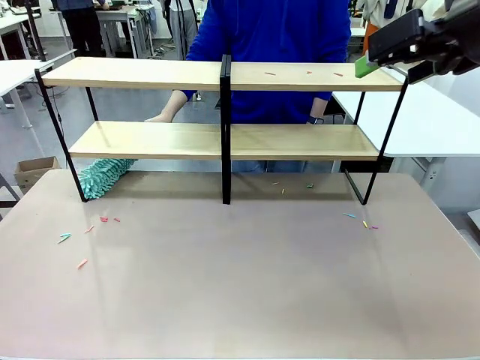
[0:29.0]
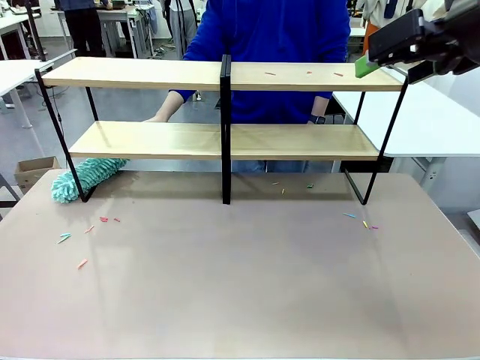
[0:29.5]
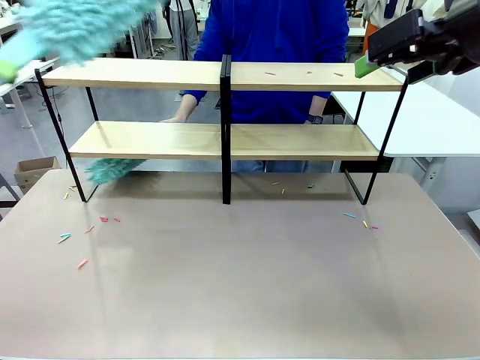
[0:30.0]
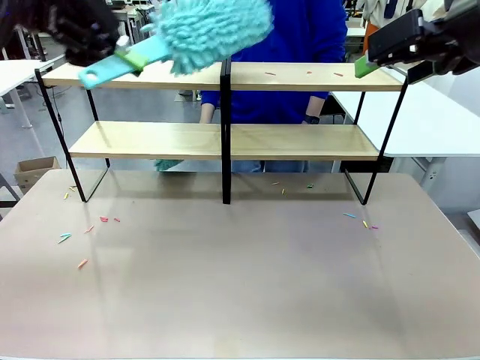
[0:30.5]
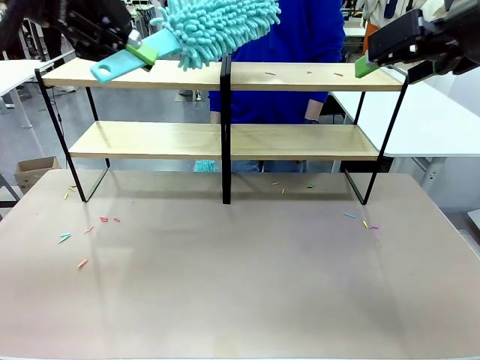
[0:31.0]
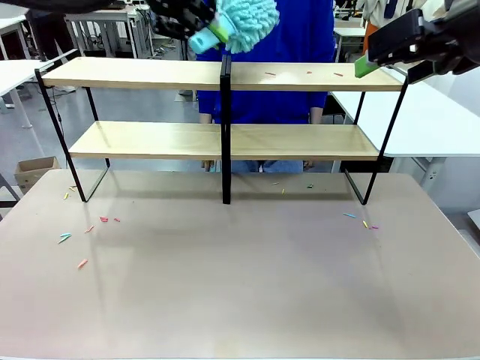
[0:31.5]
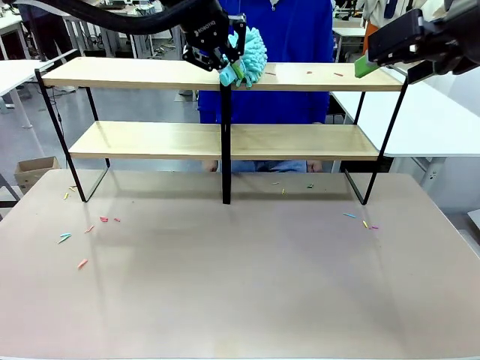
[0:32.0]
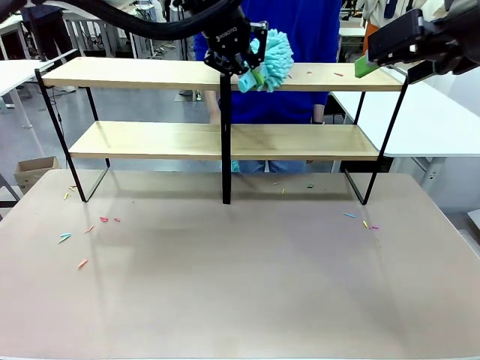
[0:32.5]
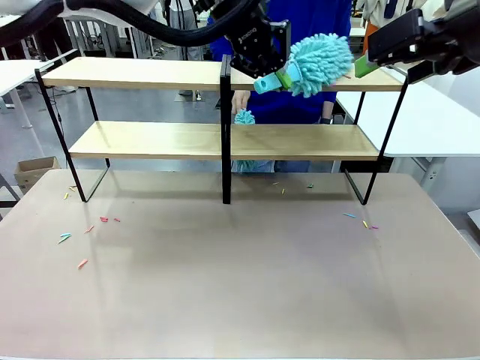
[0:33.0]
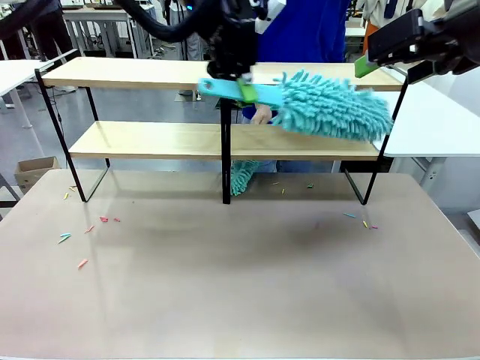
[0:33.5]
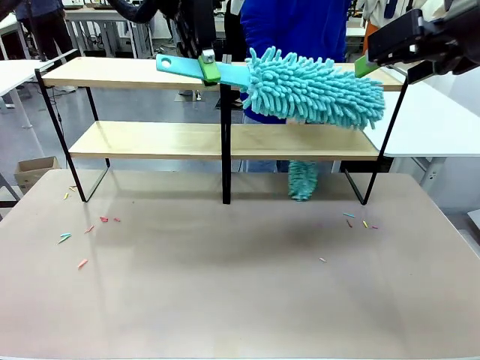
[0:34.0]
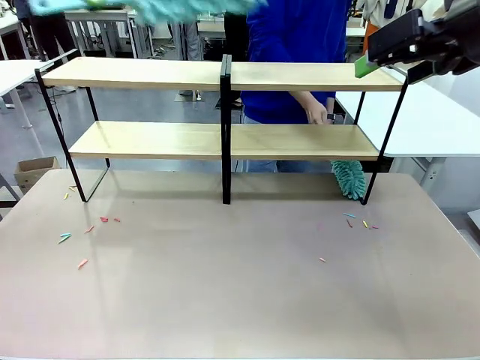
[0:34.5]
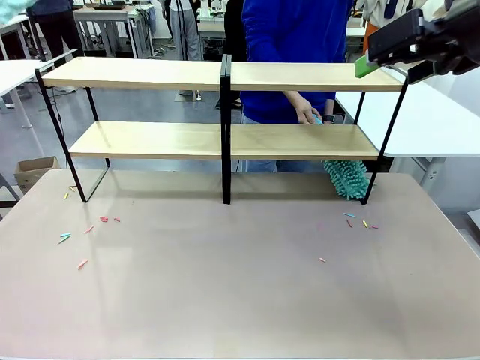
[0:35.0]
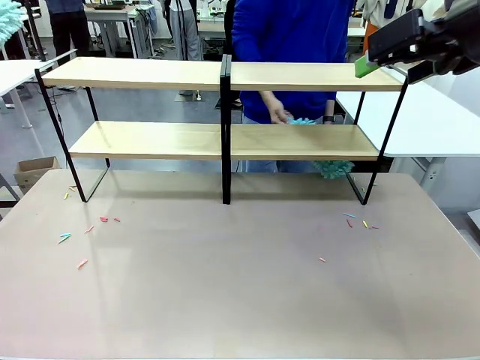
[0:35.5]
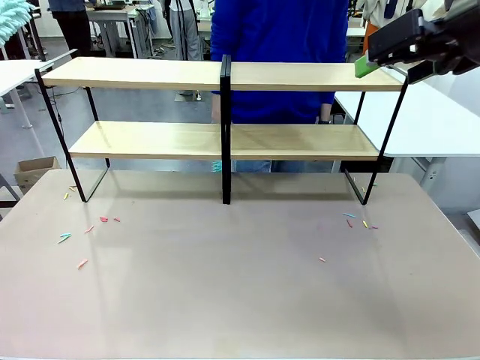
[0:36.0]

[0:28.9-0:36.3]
Task: Clean the shelves.
Robot: Clean another randomly selected level of the Shelf with the Duster.

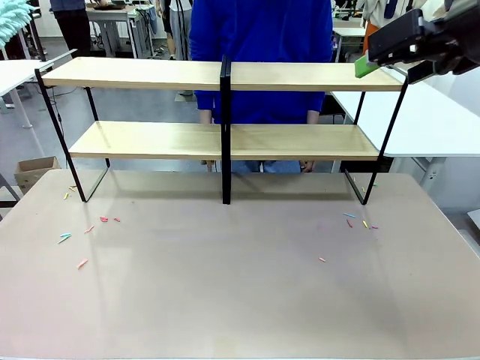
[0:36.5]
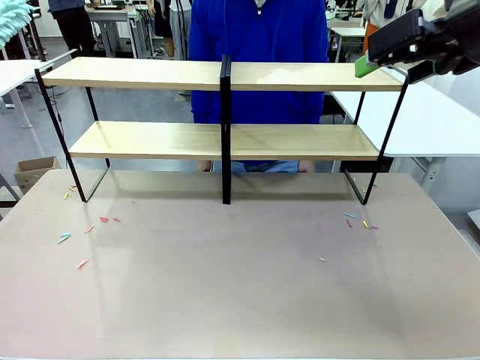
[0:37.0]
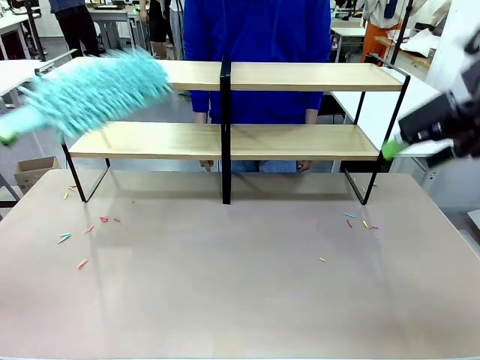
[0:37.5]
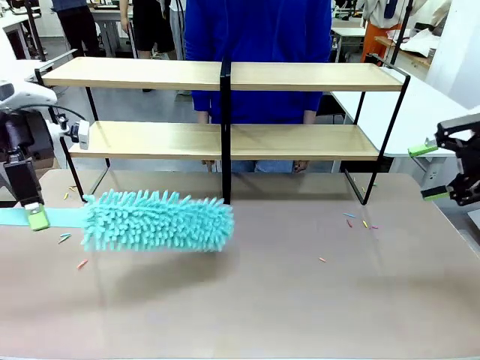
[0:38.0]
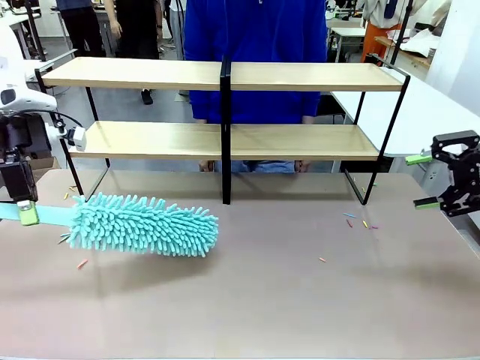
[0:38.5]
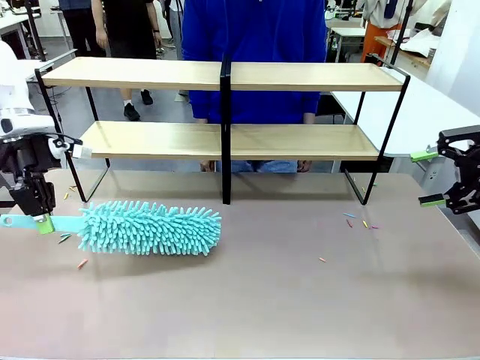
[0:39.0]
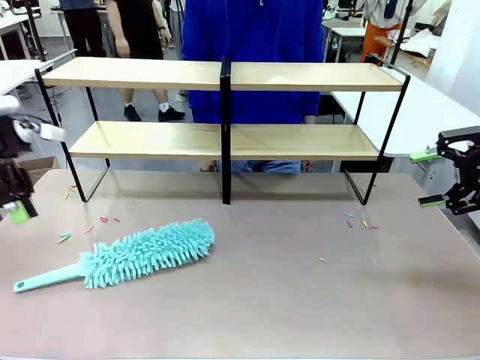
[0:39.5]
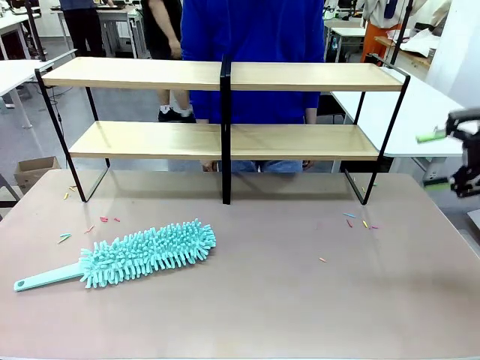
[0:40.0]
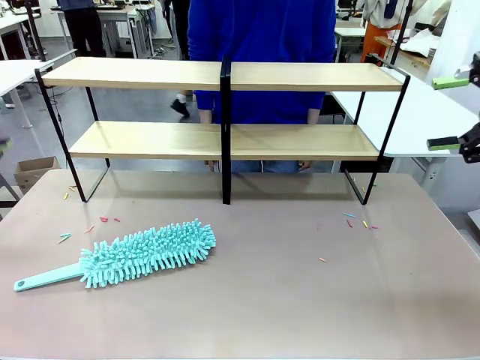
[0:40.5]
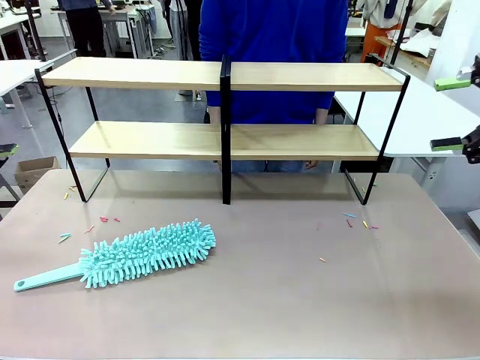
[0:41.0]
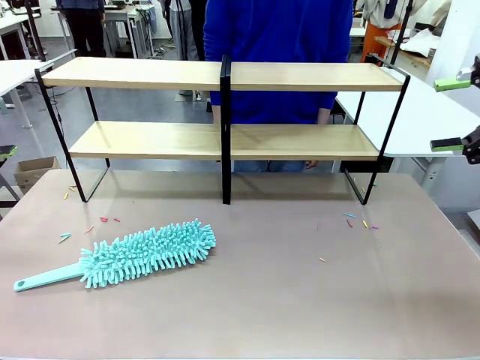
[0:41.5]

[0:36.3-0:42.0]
Robot: Place the Duster on the table.

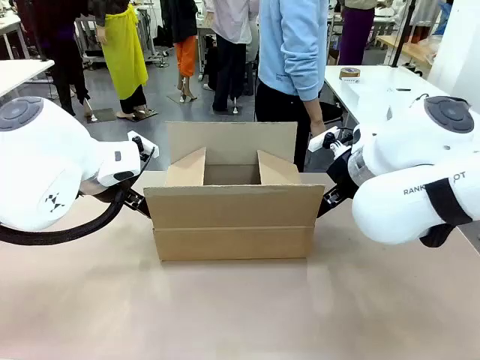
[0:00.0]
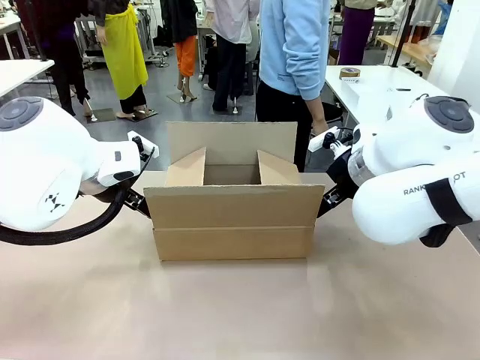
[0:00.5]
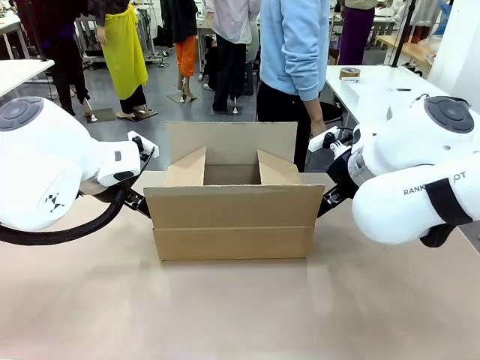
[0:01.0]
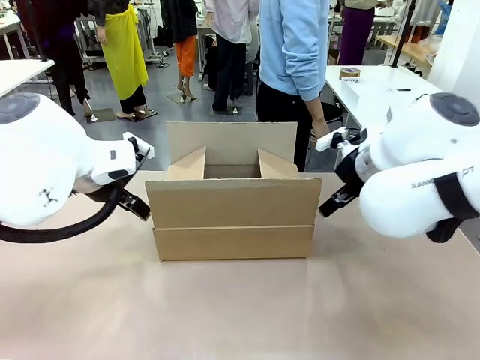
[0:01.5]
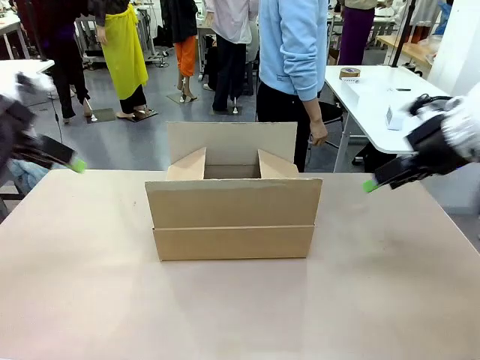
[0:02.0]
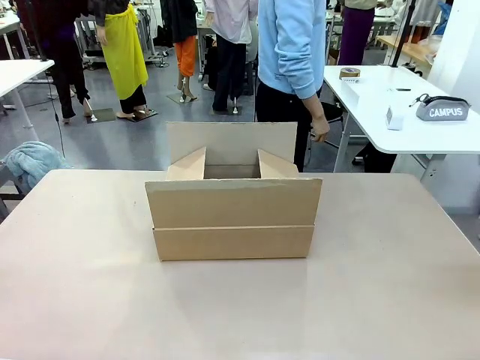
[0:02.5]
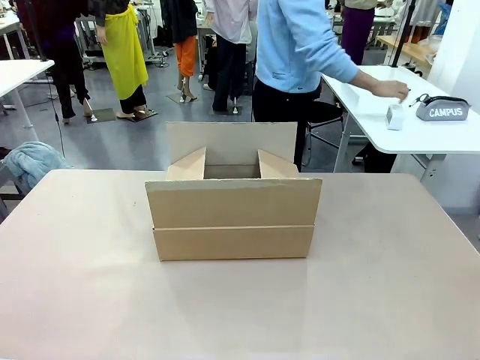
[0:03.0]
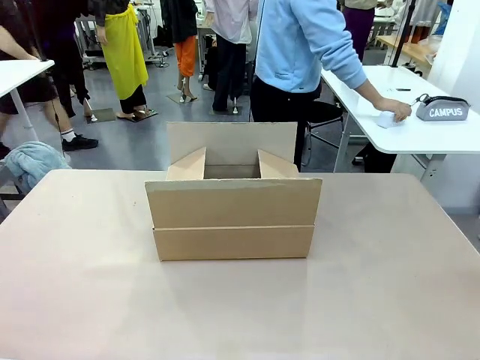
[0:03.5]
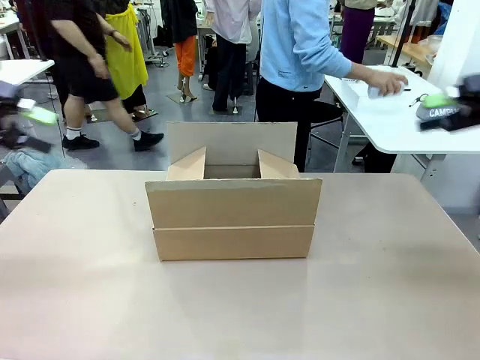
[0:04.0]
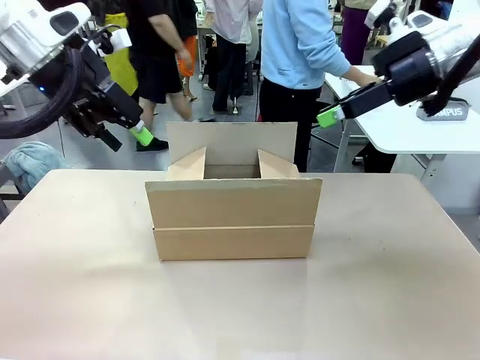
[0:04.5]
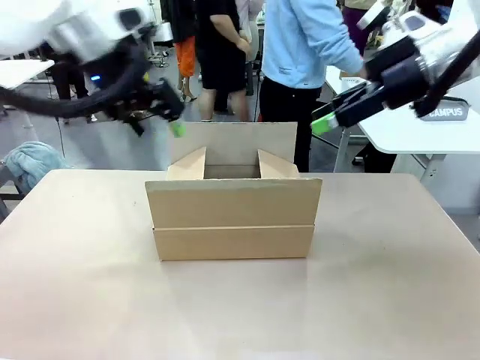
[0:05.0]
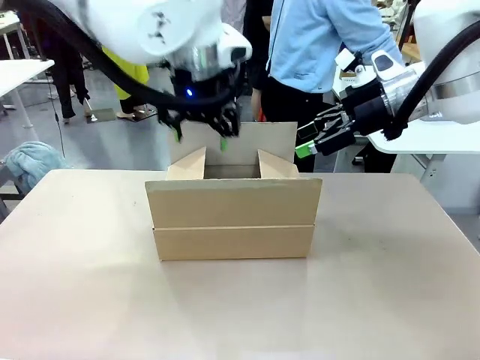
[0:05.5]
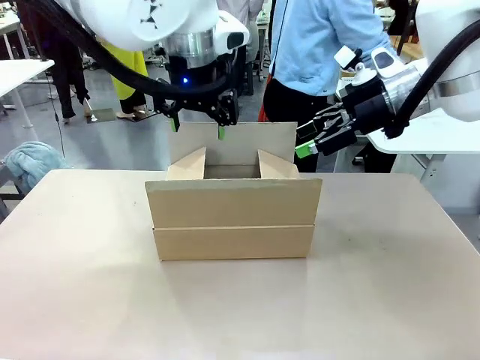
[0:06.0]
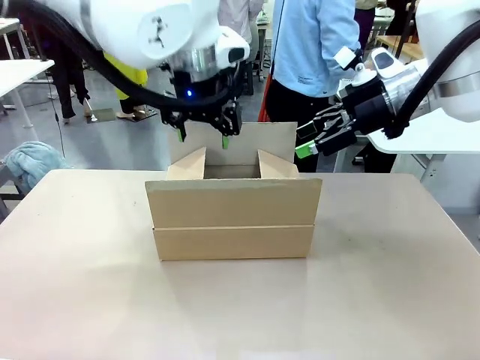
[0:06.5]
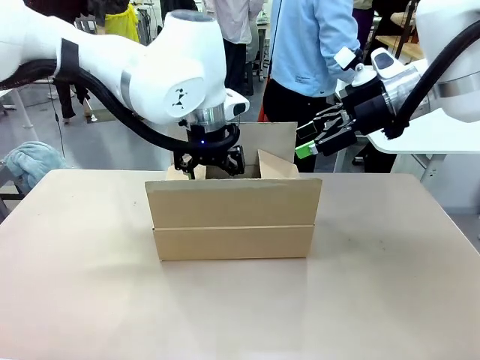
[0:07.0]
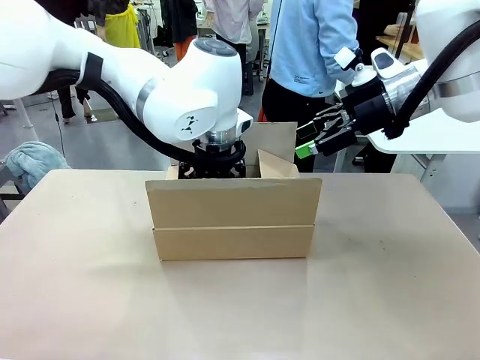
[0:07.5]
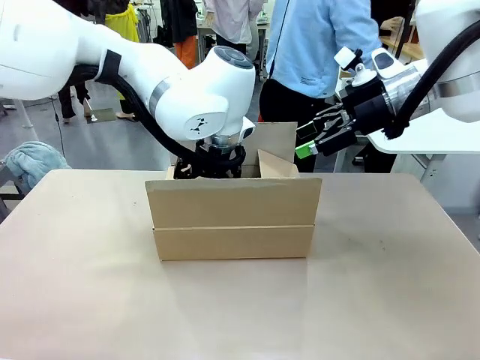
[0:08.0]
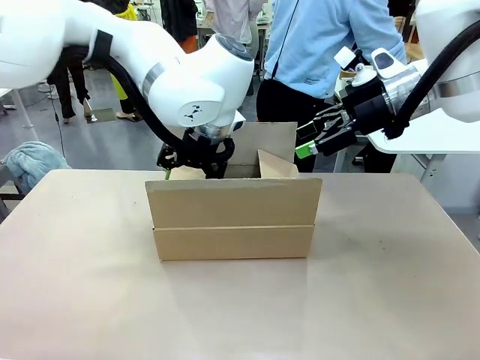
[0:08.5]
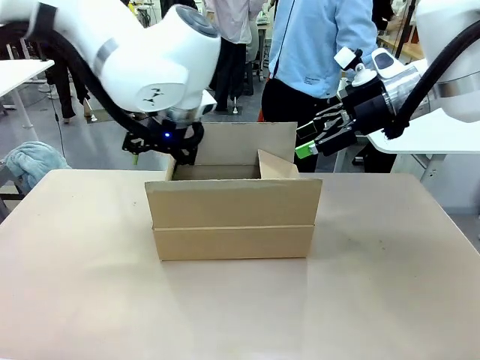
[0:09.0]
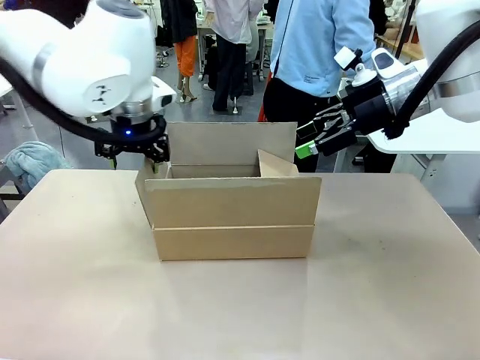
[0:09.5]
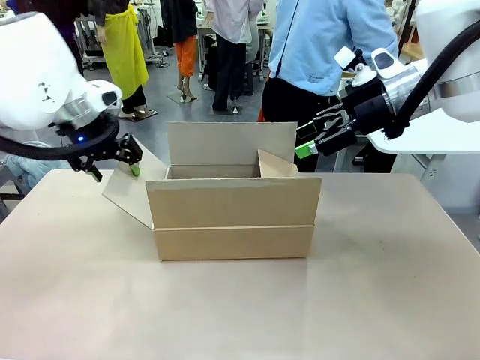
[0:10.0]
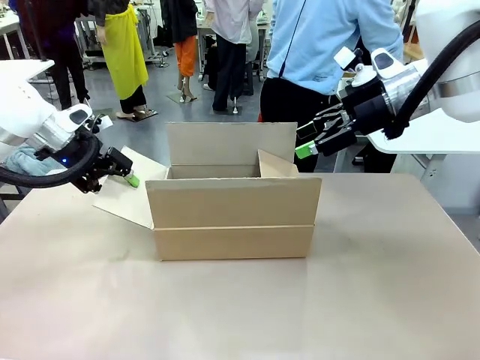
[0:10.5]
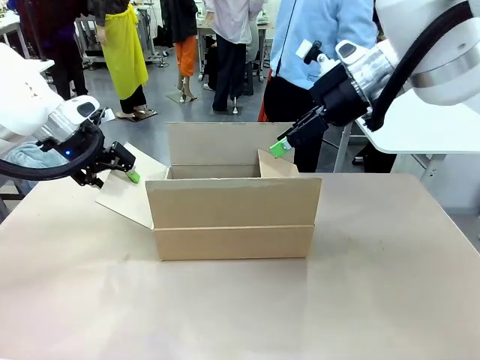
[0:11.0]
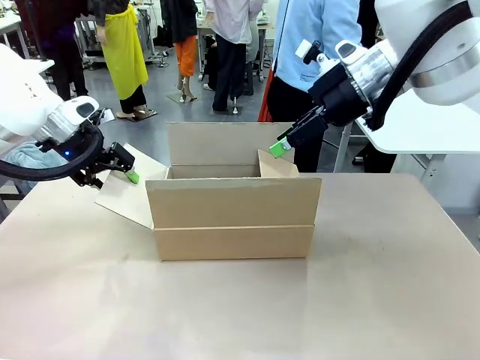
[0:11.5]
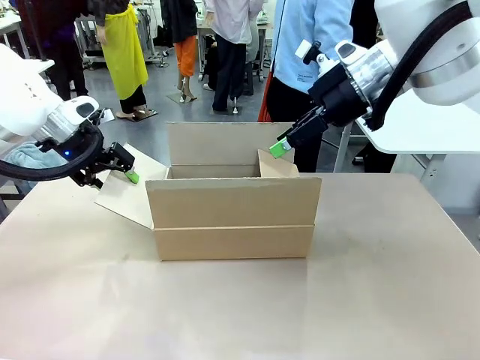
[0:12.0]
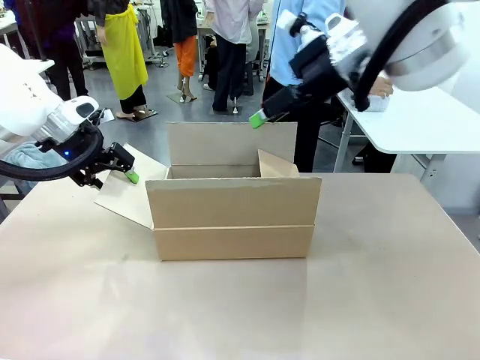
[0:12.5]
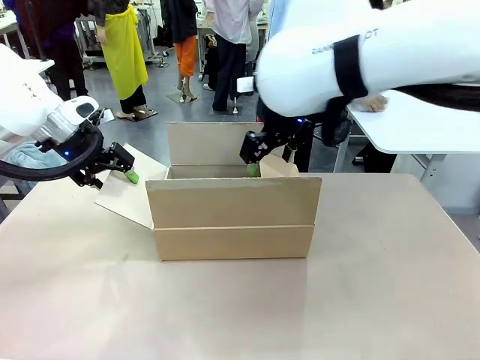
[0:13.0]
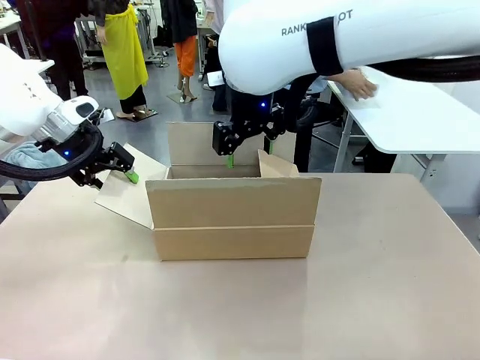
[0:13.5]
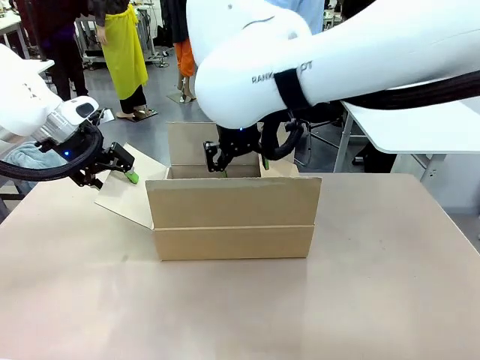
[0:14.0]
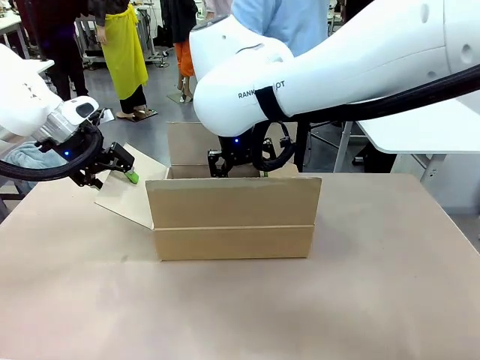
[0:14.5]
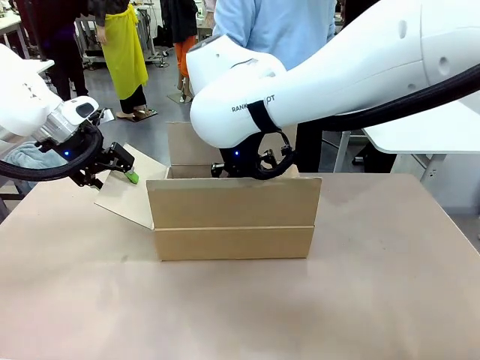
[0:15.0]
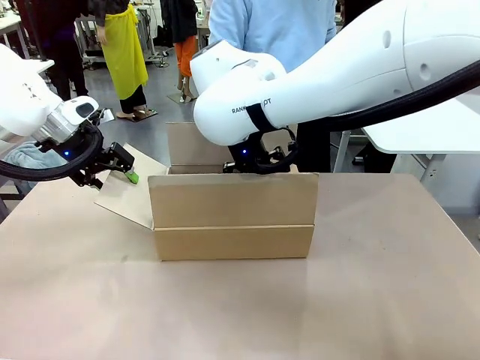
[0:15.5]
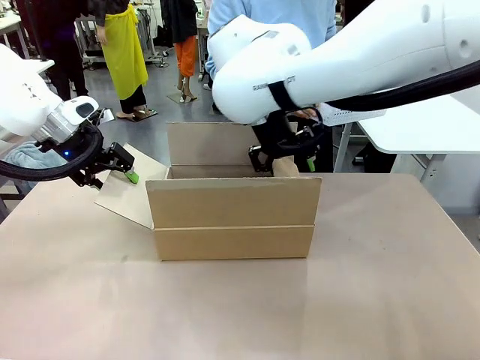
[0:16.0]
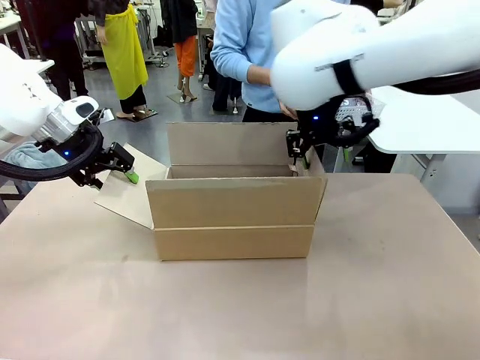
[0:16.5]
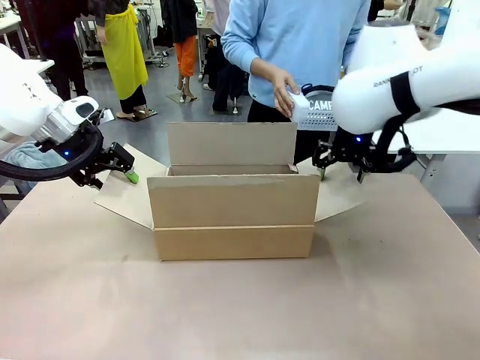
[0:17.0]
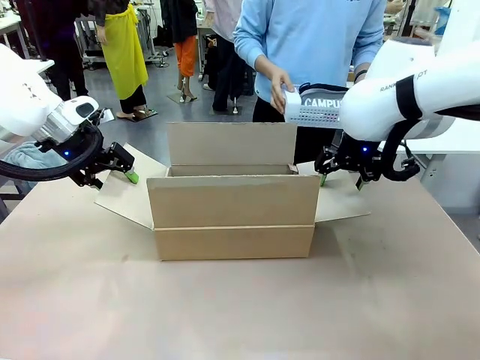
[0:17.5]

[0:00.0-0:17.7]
Task: Pack the gift set into the box.
Robot: Place both hands on the side flaps of the Package Box and spread them outward.
Person: The human places all items except the paper tape into the organizing basket.
